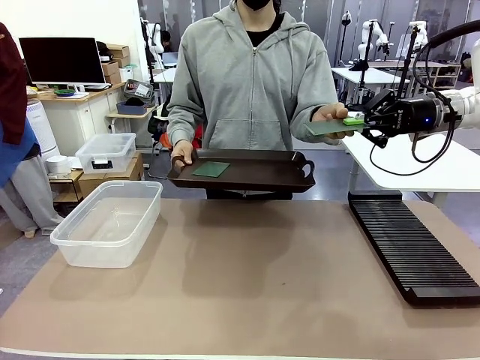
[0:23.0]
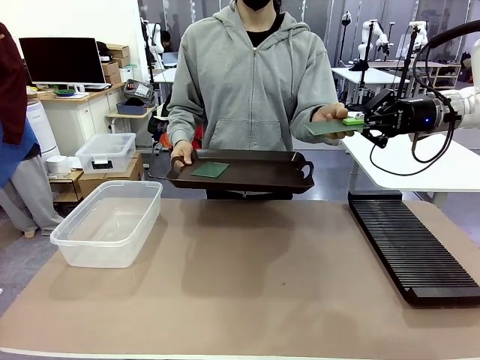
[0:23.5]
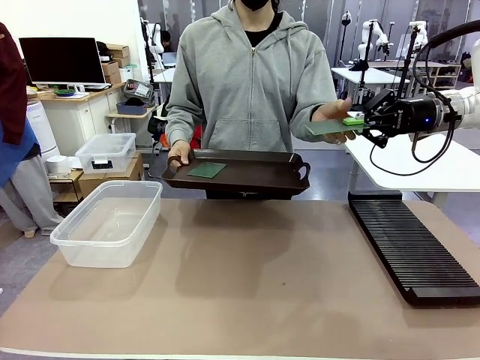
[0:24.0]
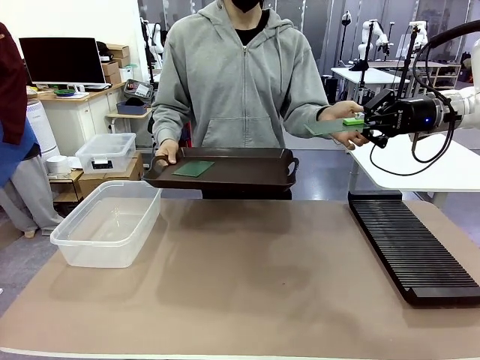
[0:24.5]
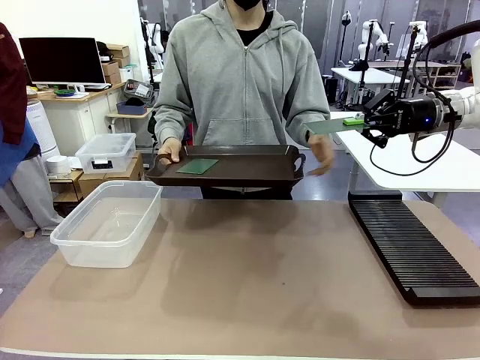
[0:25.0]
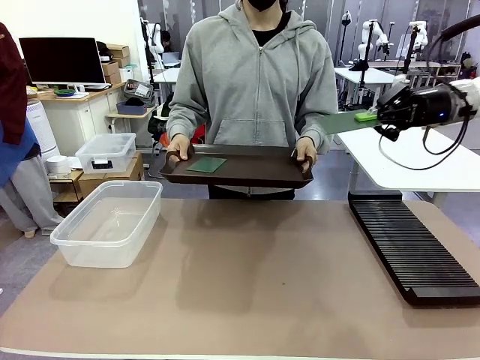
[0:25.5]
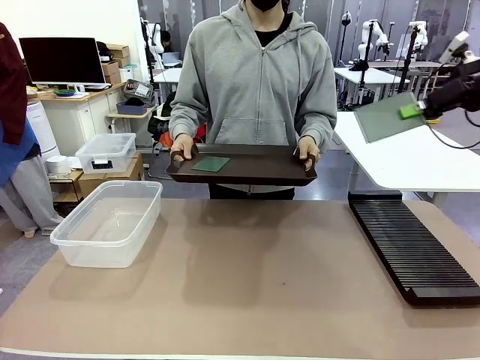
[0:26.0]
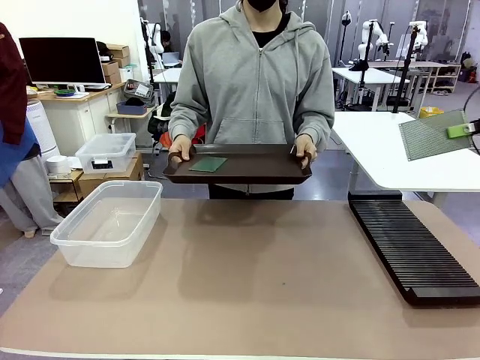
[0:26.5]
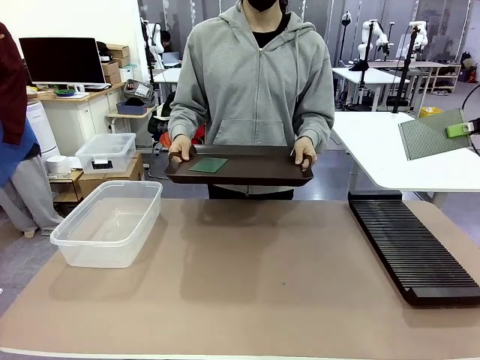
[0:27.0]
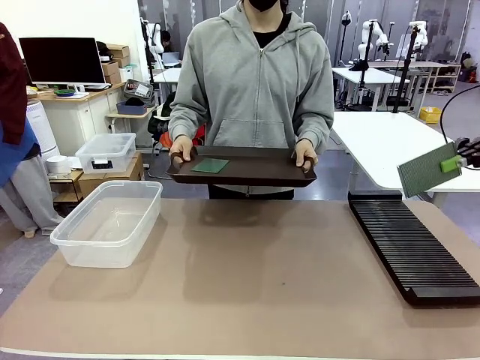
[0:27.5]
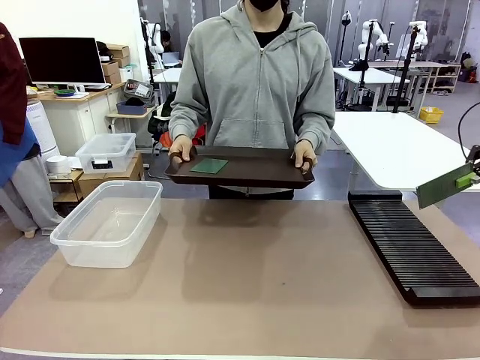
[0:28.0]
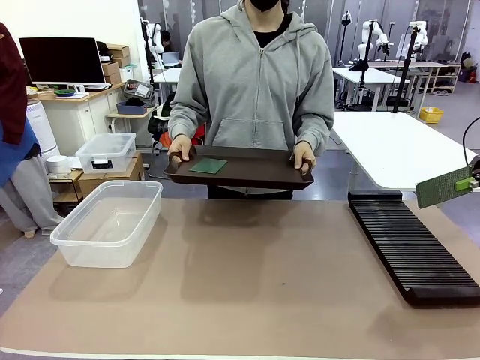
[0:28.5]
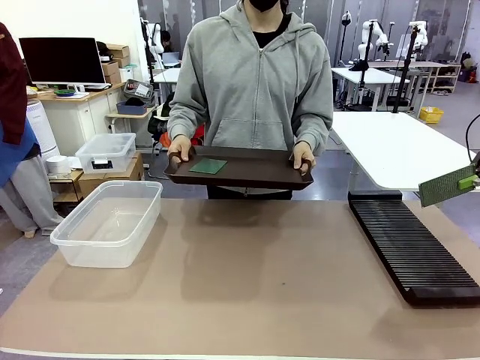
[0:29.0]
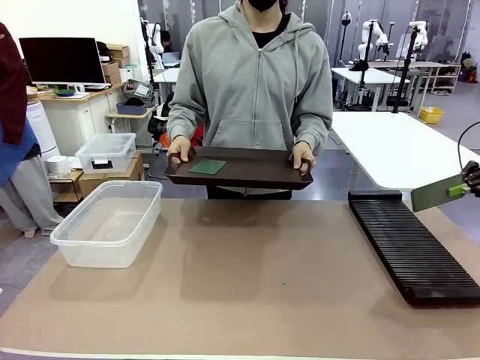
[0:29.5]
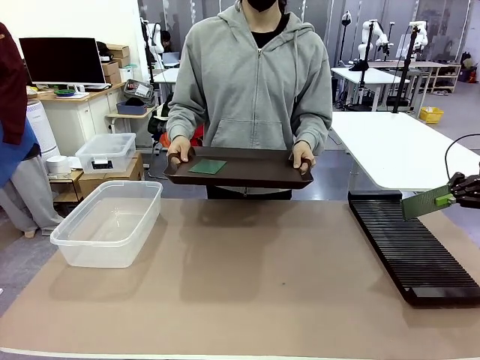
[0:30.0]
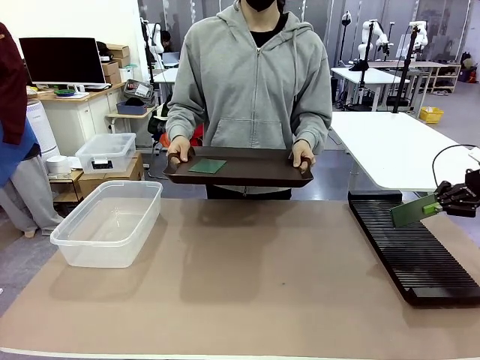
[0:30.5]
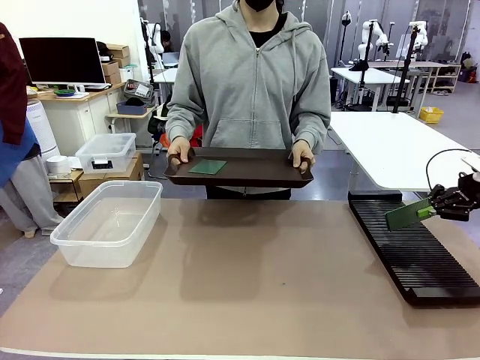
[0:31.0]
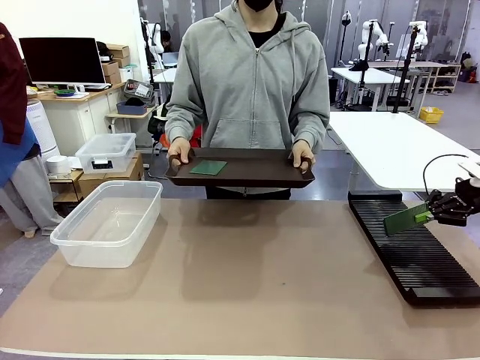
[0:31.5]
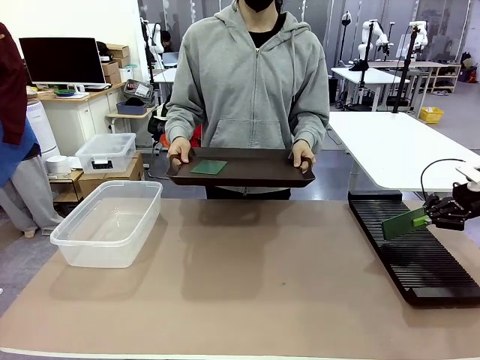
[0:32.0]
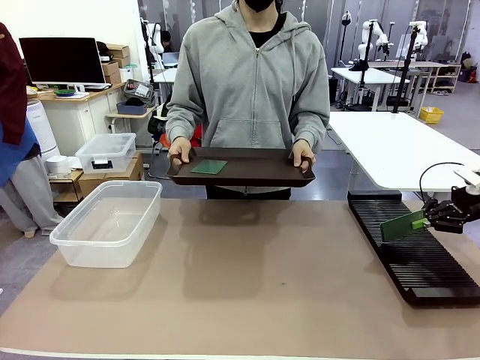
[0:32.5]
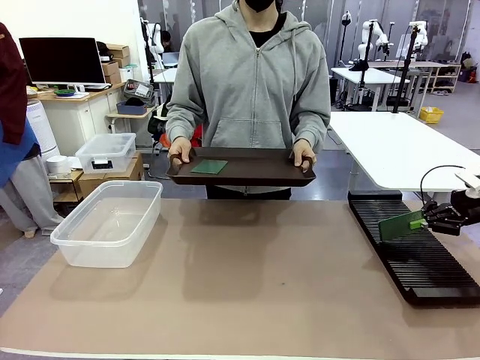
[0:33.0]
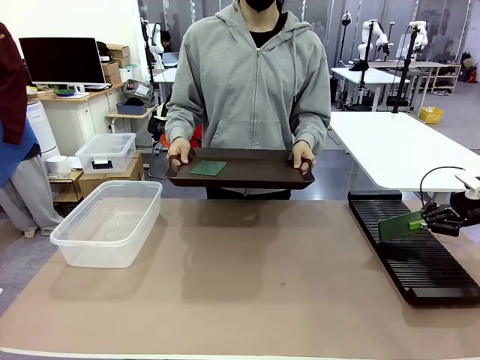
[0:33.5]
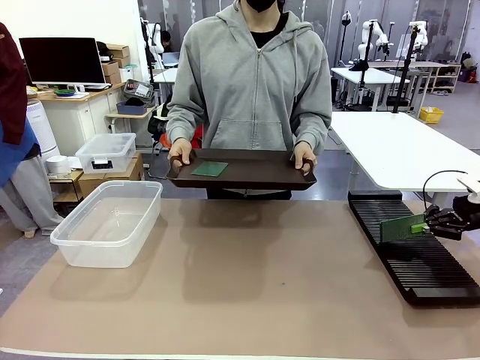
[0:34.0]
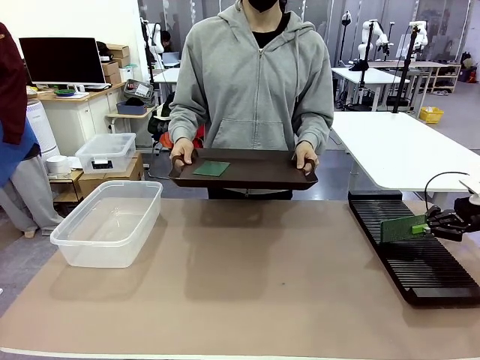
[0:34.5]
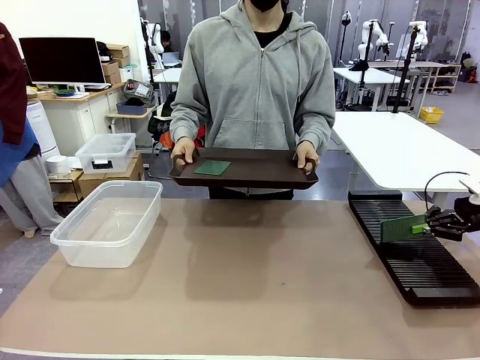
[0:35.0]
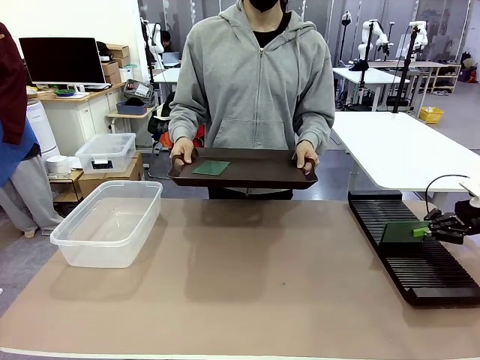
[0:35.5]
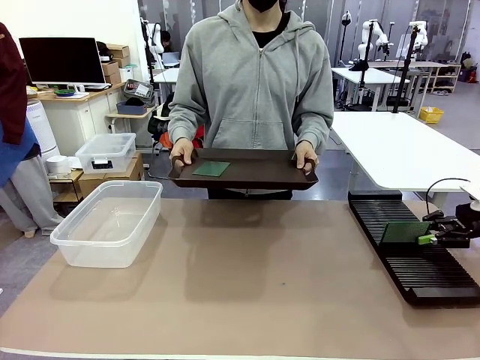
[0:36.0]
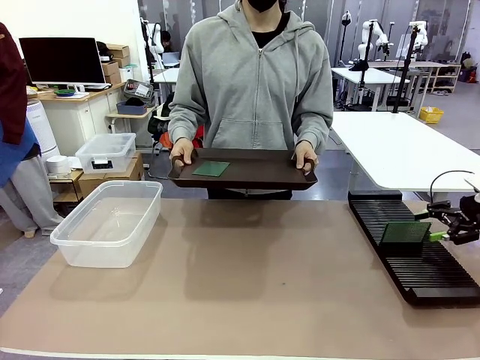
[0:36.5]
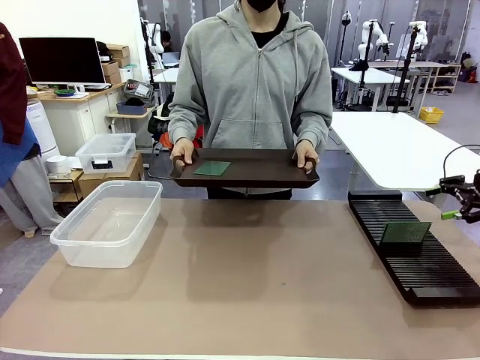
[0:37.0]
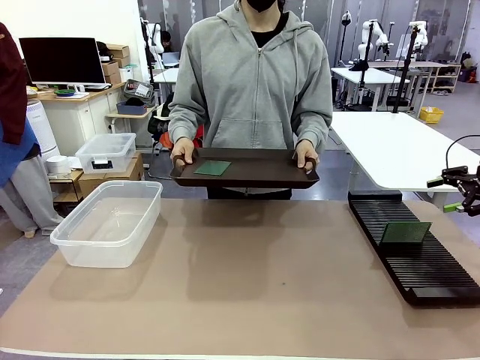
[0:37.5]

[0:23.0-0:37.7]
Task: Sort PCBs into racks and boxes based on the side picked up.
Robot: If the short side of the Blank PCB is picked up, insert it into the PCB Rack ; if the long side is picked up, place it in the Organizing box.
Person: Pick one PCB from the tray and present it to the robot.

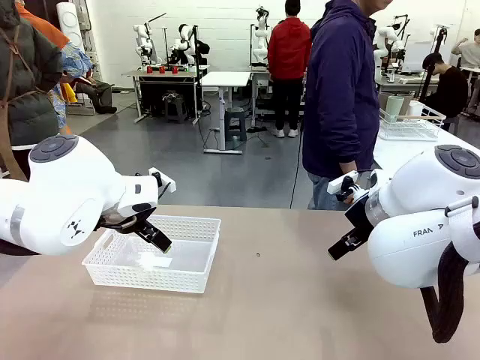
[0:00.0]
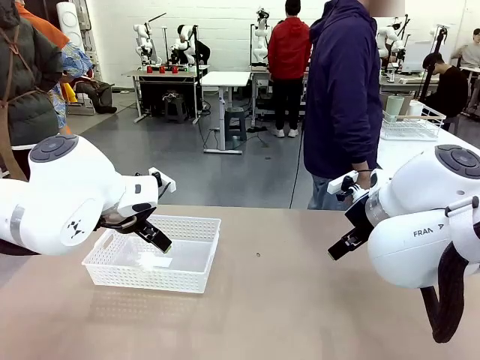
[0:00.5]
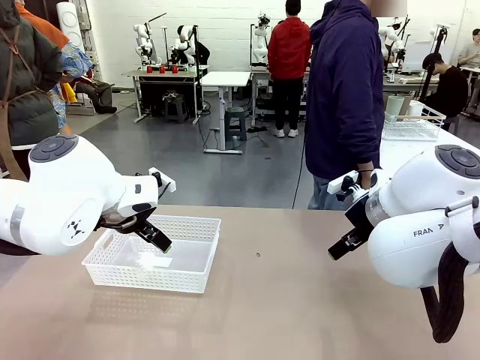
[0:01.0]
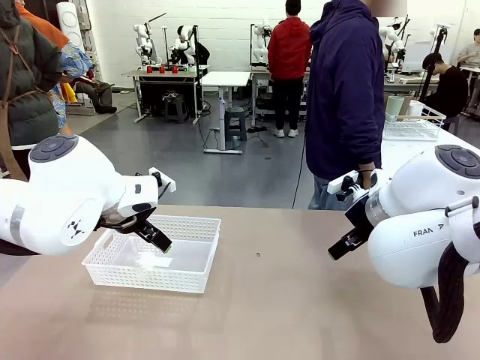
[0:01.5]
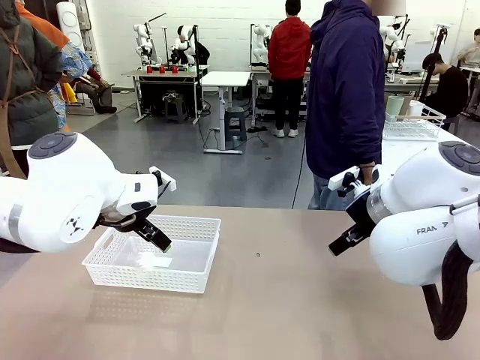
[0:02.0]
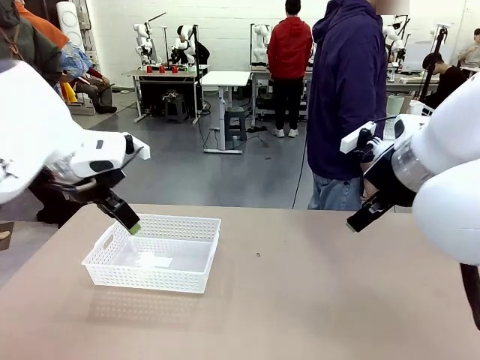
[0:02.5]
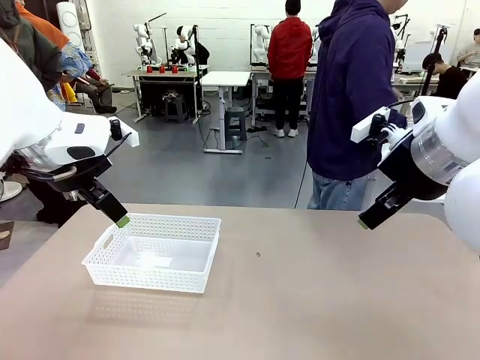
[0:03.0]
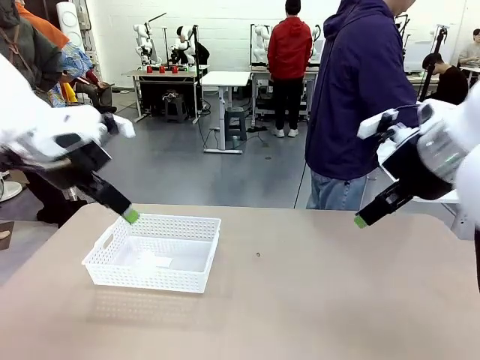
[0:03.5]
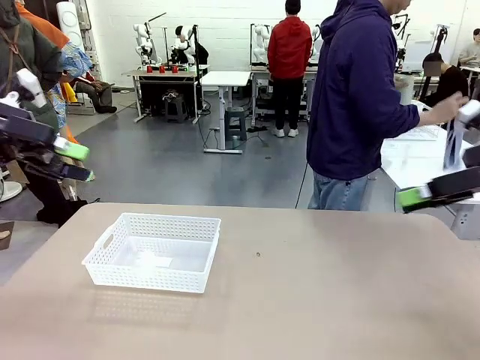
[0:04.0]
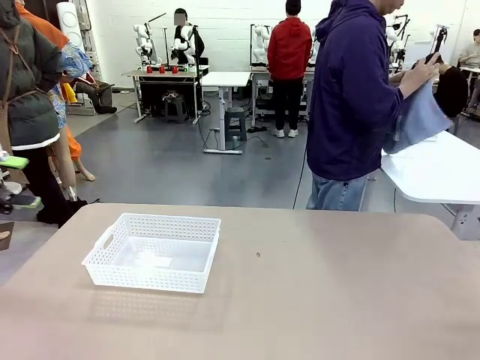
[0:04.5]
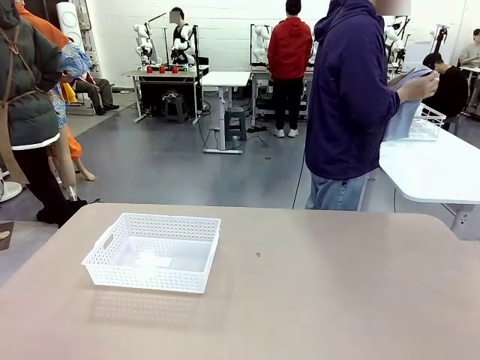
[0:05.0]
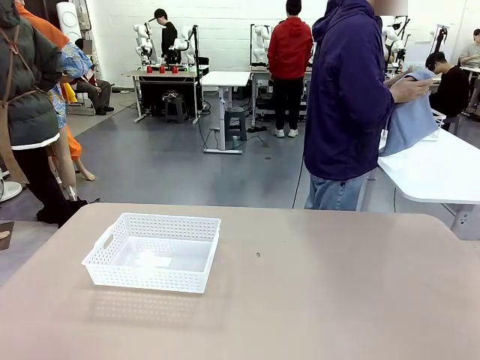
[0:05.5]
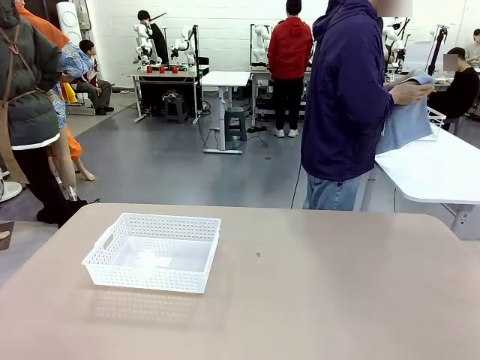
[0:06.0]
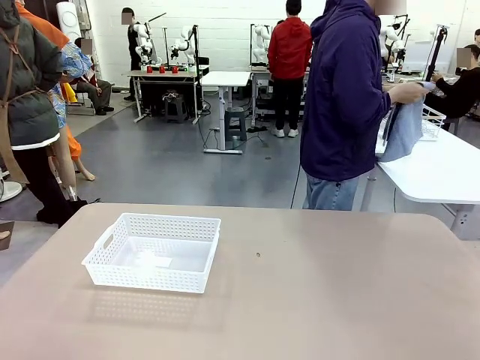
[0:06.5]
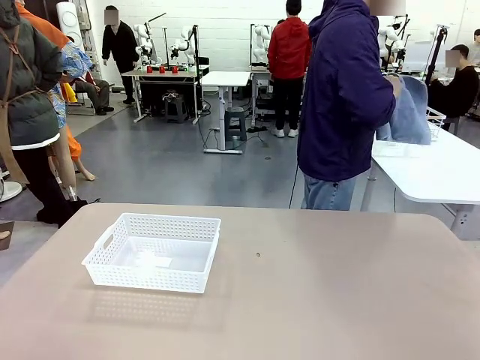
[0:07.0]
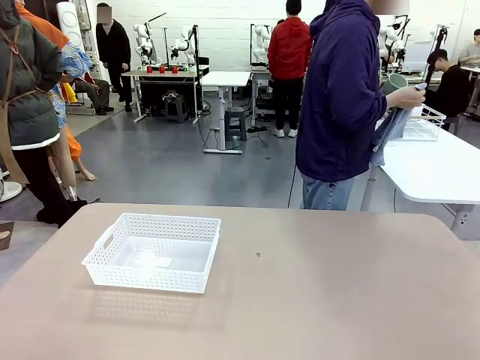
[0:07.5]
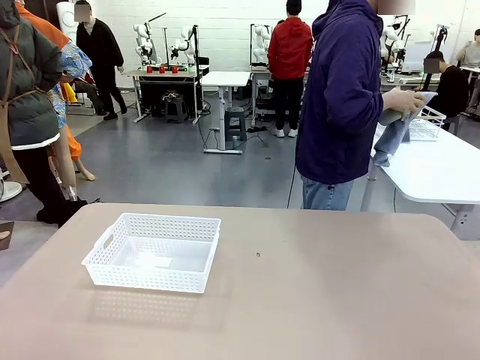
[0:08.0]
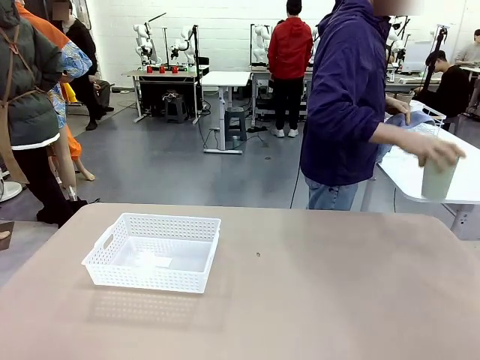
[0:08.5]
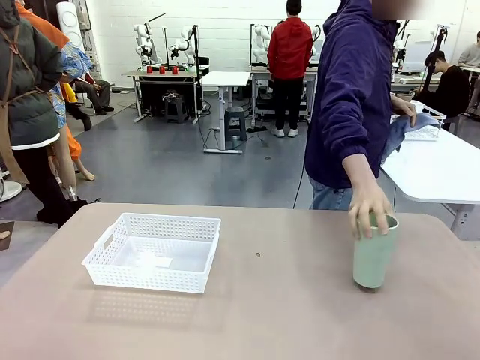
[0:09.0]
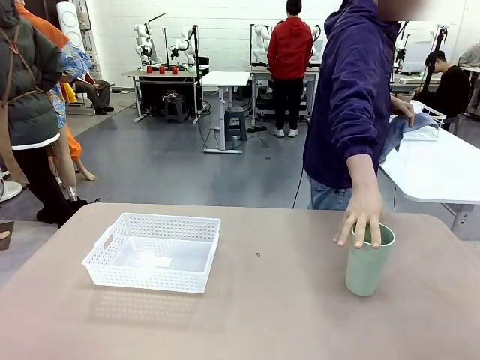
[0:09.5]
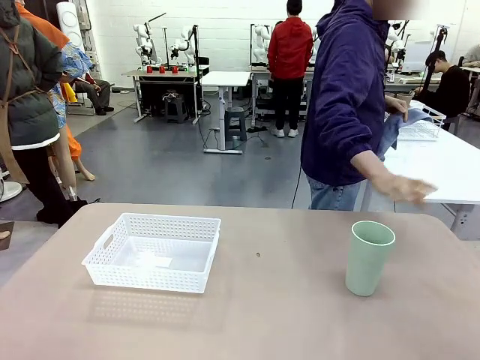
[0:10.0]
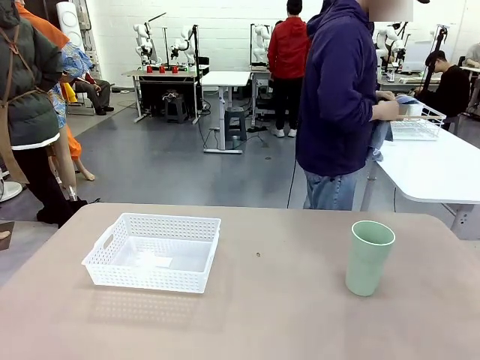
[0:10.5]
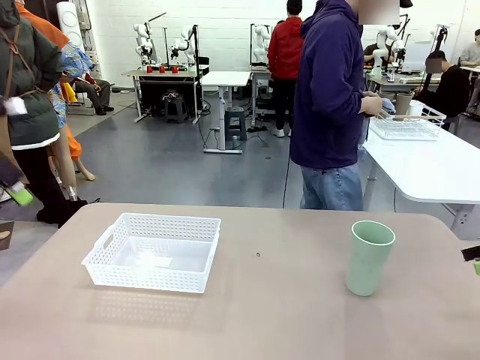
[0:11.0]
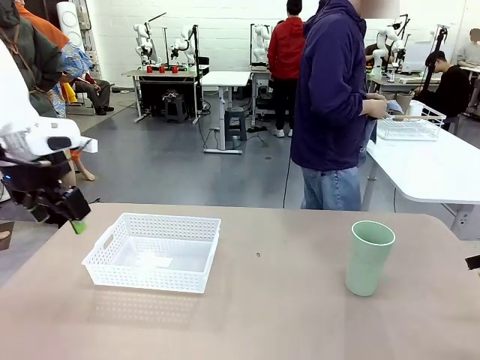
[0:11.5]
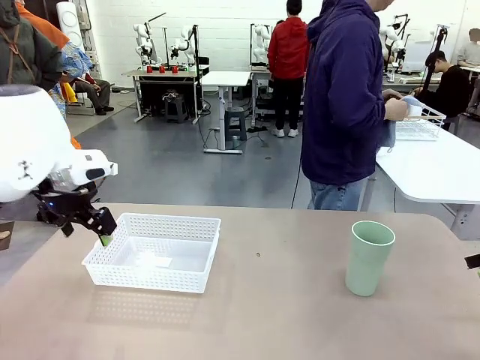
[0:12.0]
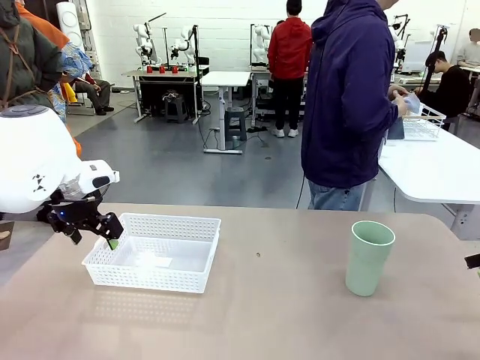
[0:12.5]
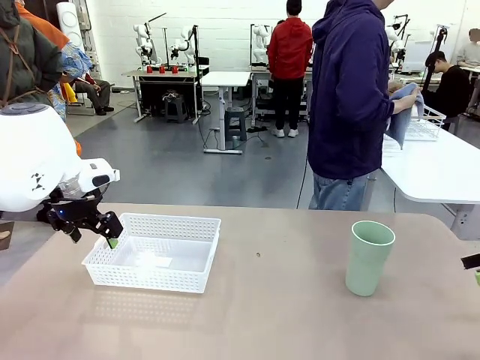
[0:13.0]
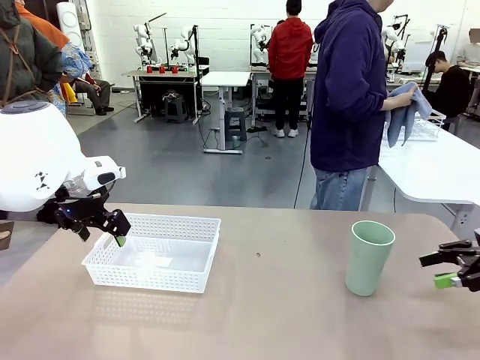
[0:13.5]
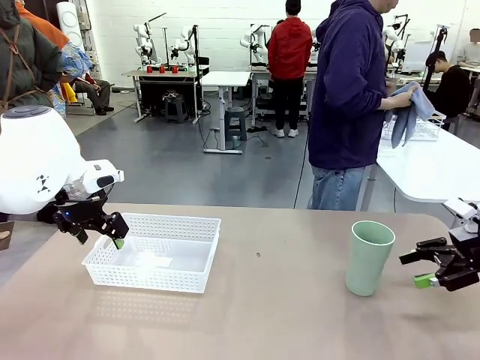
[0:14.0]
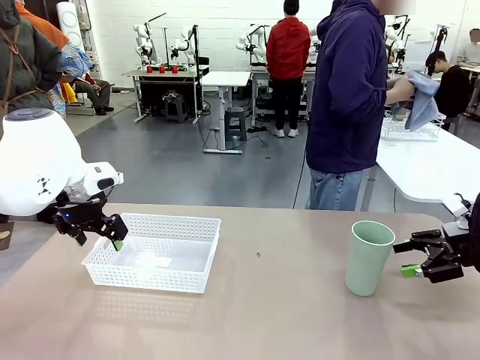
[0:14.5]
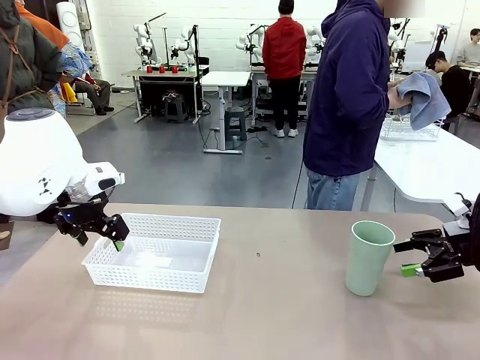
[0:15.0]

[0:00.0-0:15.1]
Task: Clean and organize the cups into the basket.
Robot: Pick up the Organizing basket and move it to the center of the table, then pick up the Reusable plastic cup from the right side of the table and place it inside the Organizing basket.
Person: Picks up a cup and a towel, cleans the cup with the towel, and places it on the left side of the robot table.
